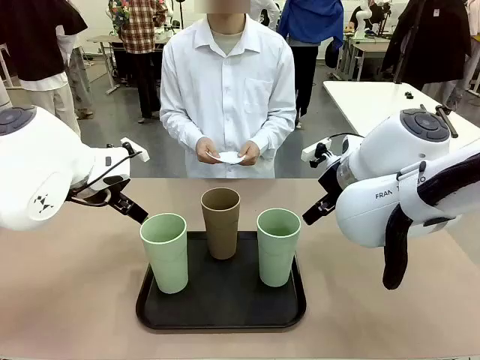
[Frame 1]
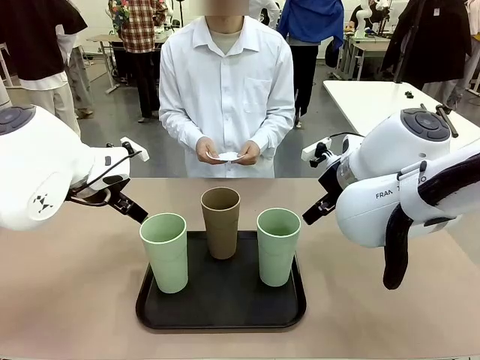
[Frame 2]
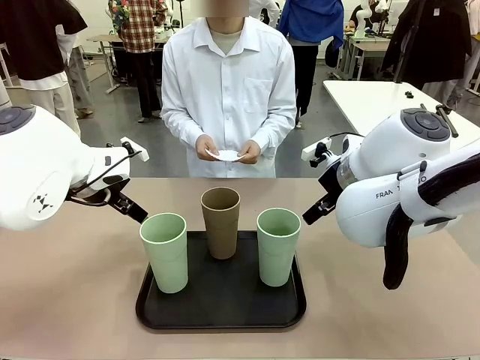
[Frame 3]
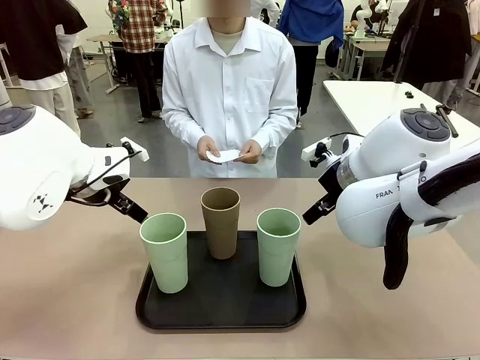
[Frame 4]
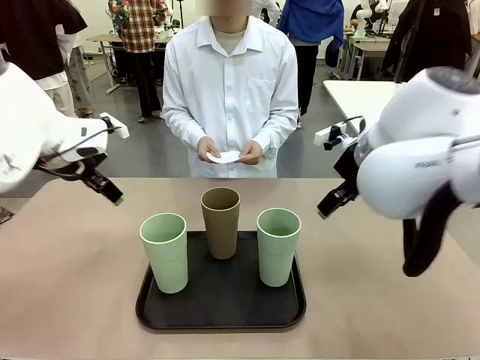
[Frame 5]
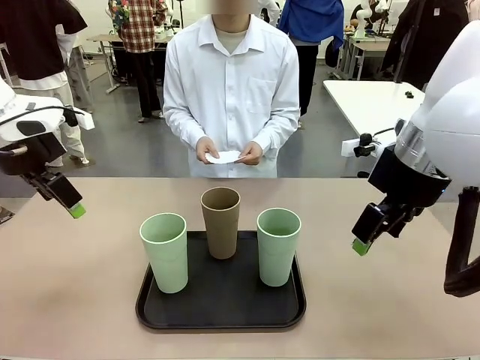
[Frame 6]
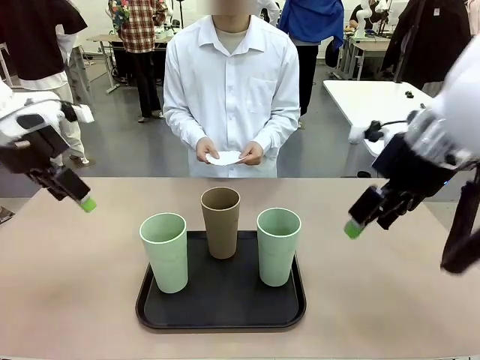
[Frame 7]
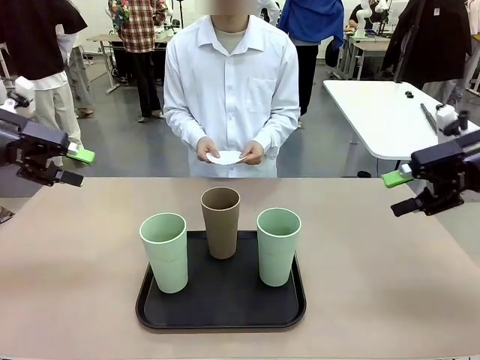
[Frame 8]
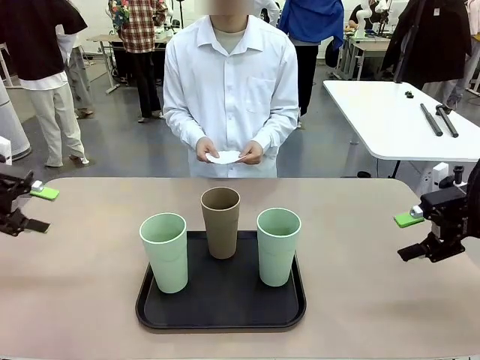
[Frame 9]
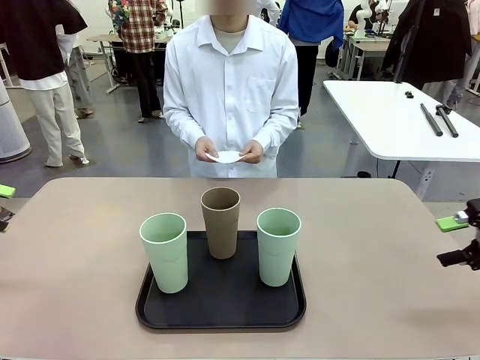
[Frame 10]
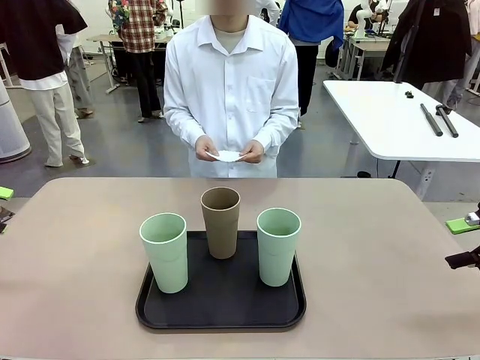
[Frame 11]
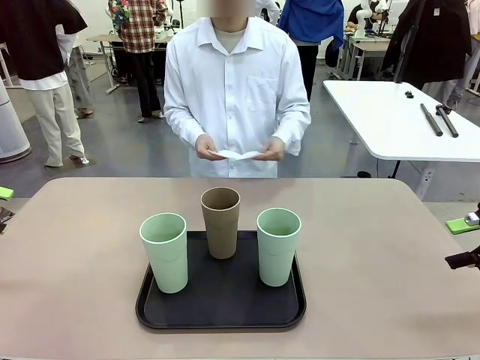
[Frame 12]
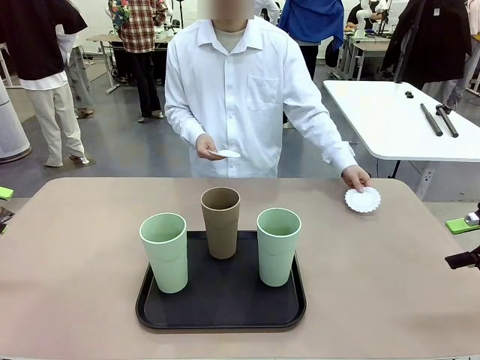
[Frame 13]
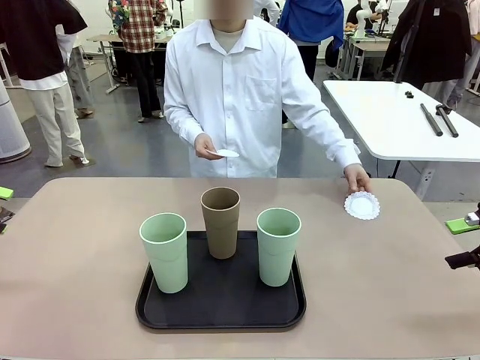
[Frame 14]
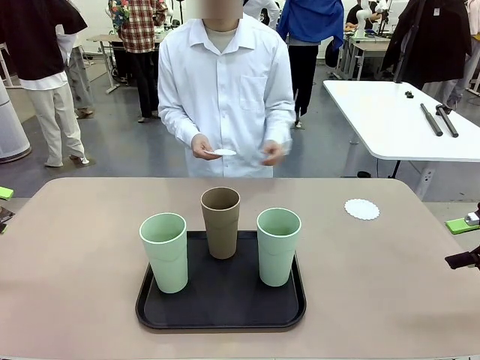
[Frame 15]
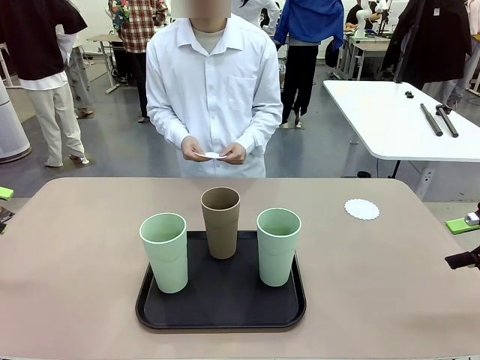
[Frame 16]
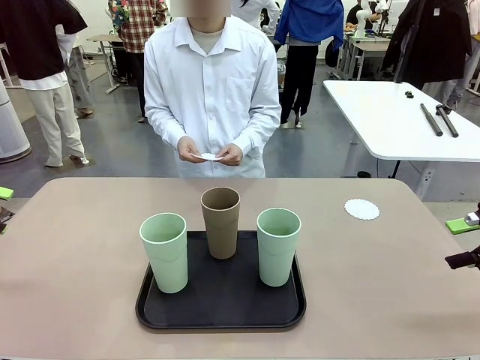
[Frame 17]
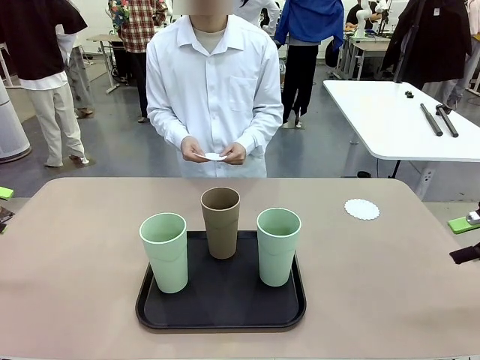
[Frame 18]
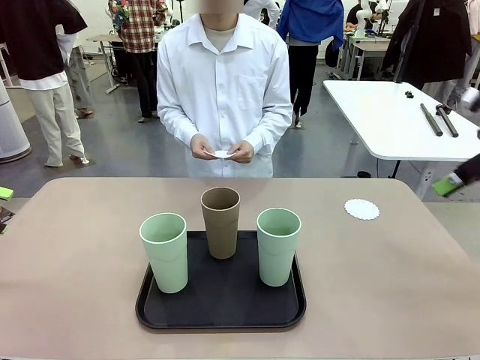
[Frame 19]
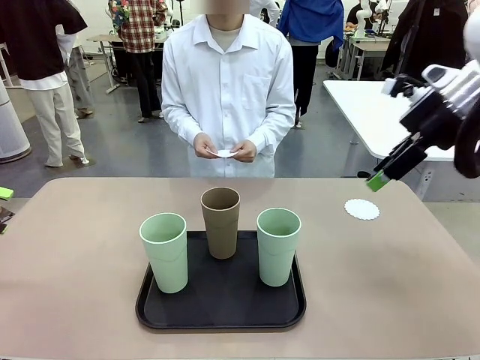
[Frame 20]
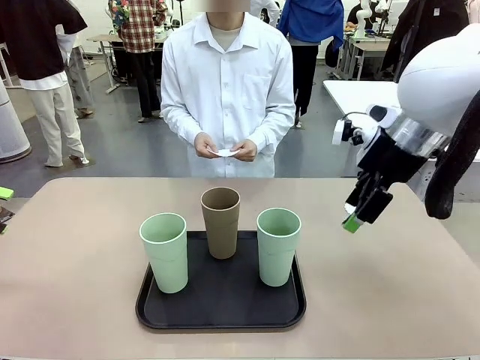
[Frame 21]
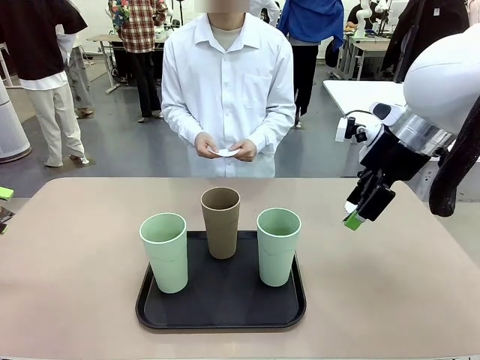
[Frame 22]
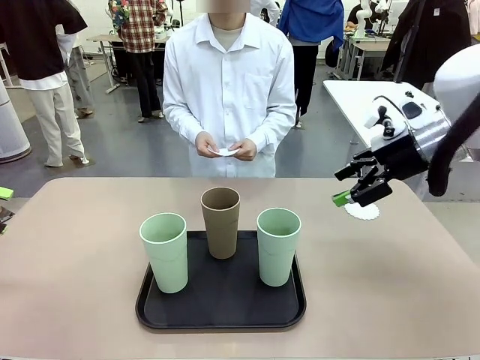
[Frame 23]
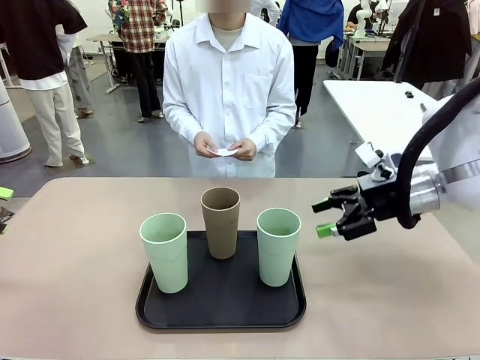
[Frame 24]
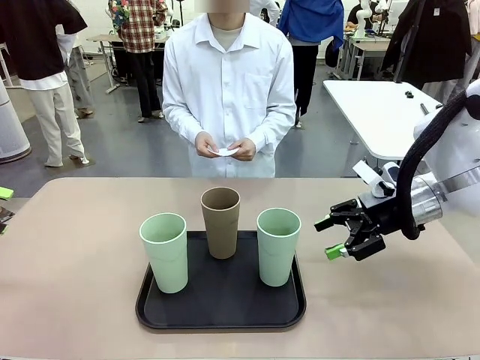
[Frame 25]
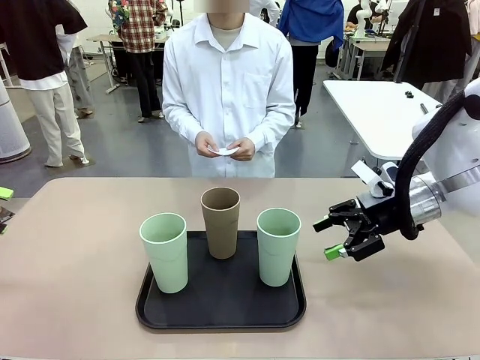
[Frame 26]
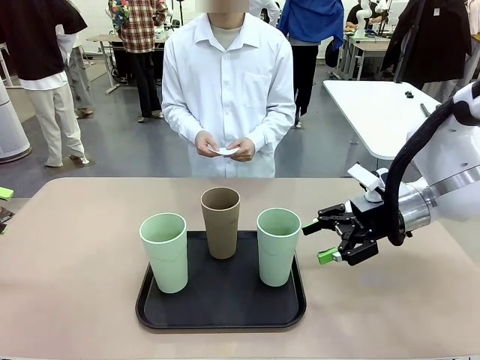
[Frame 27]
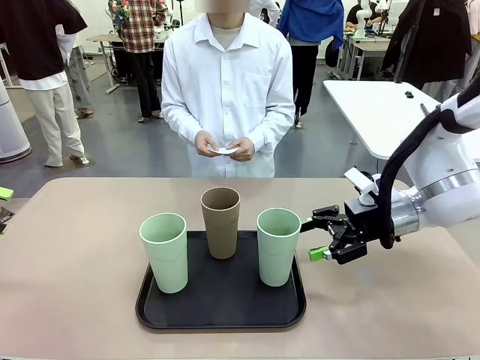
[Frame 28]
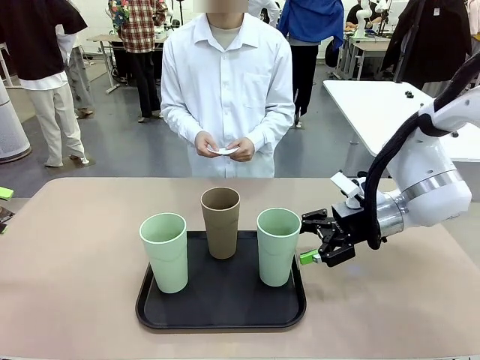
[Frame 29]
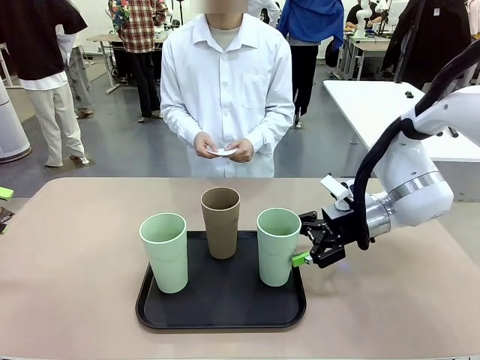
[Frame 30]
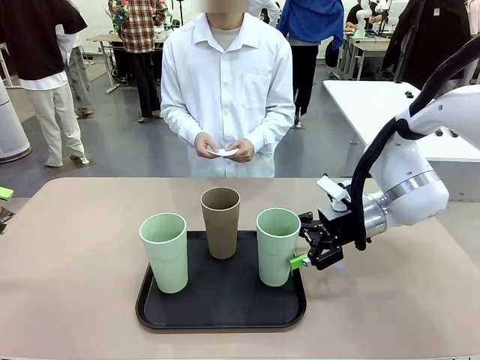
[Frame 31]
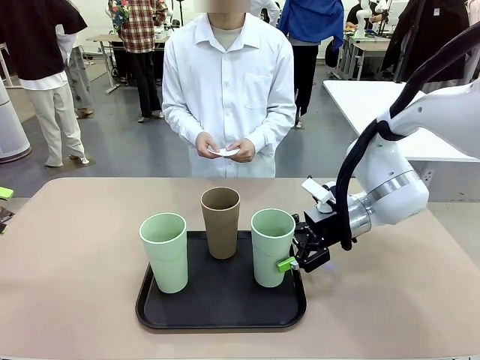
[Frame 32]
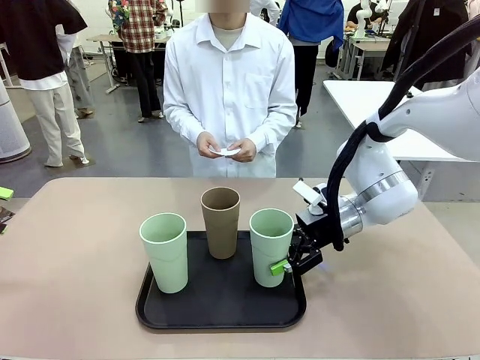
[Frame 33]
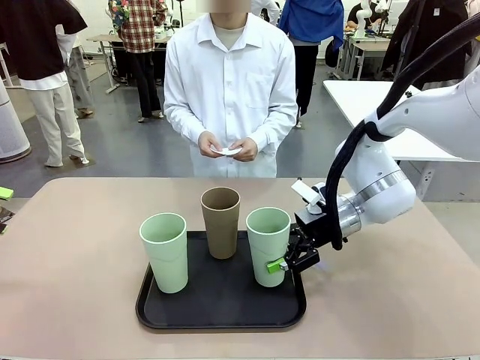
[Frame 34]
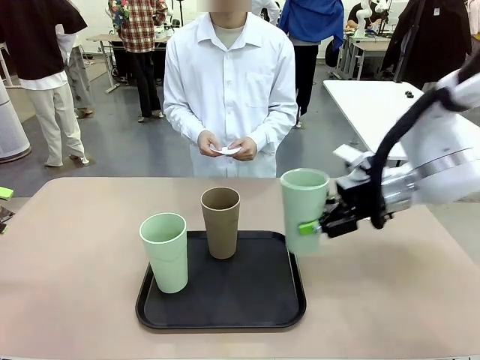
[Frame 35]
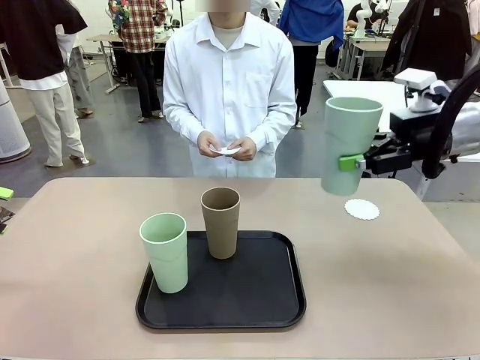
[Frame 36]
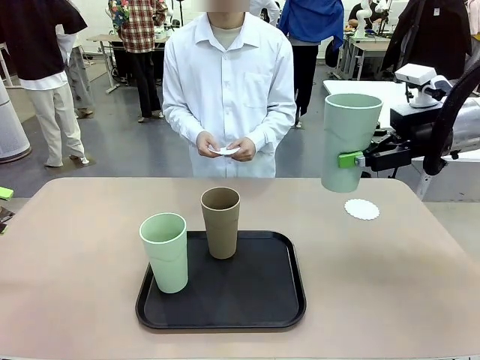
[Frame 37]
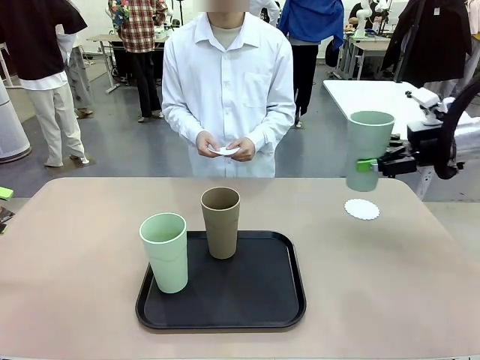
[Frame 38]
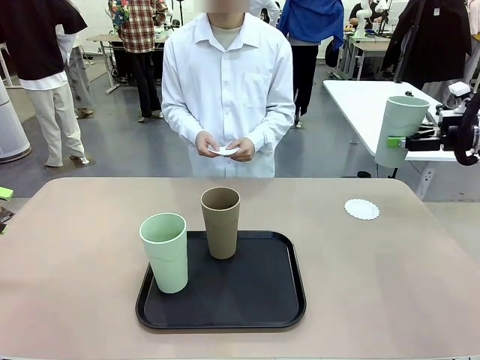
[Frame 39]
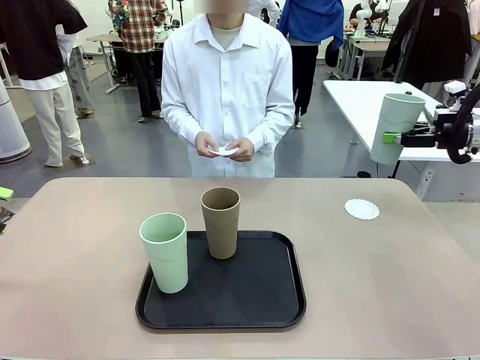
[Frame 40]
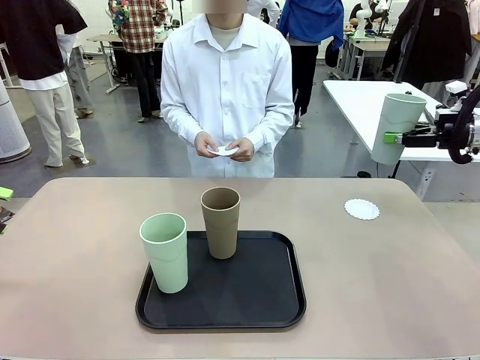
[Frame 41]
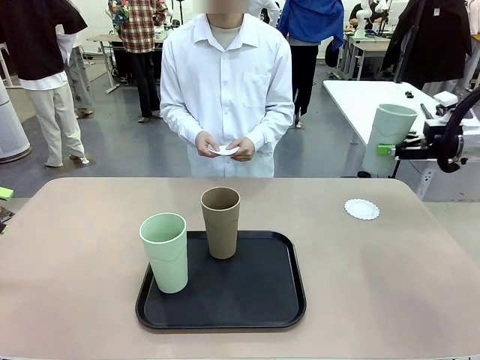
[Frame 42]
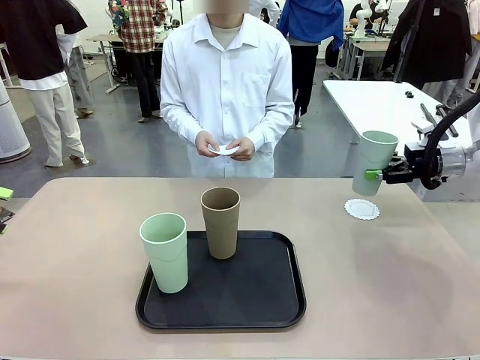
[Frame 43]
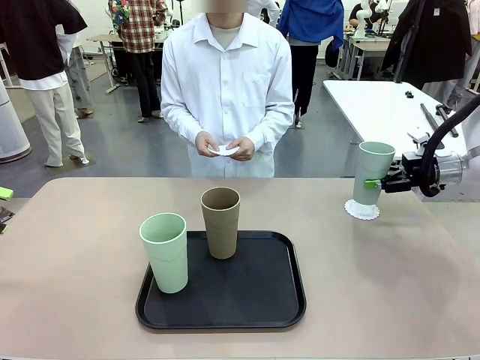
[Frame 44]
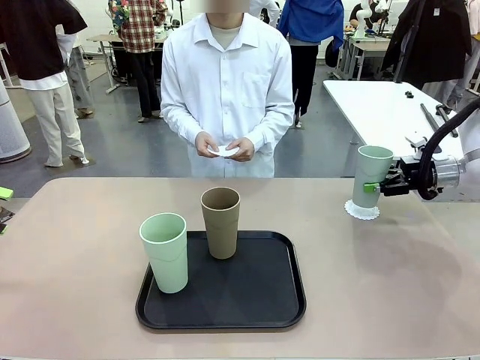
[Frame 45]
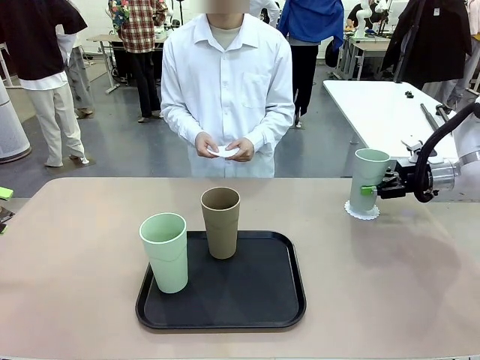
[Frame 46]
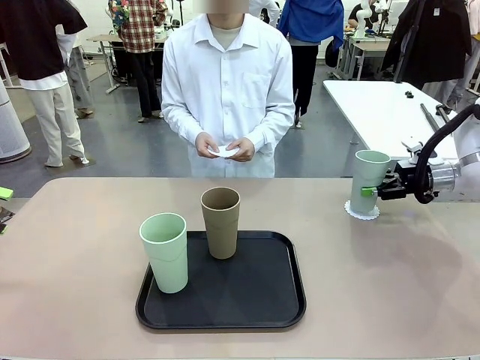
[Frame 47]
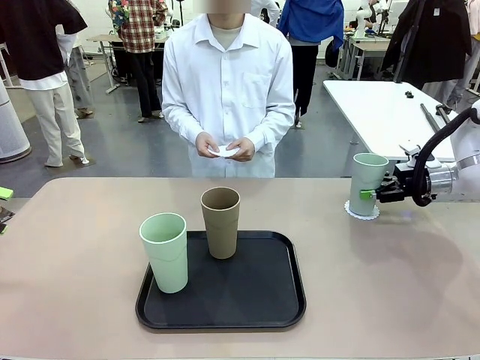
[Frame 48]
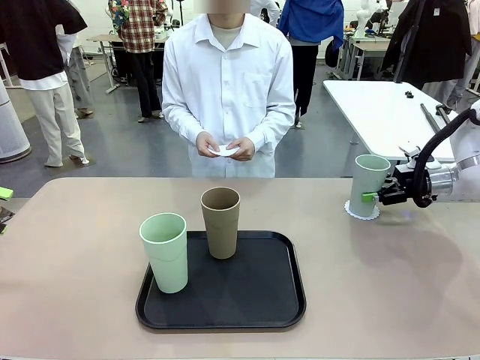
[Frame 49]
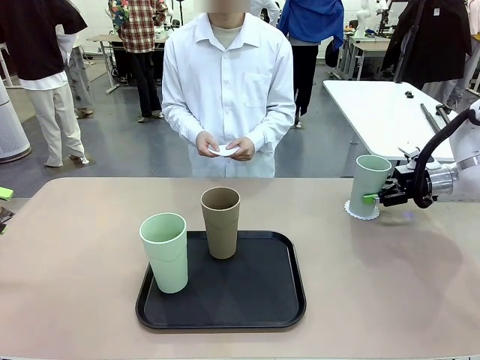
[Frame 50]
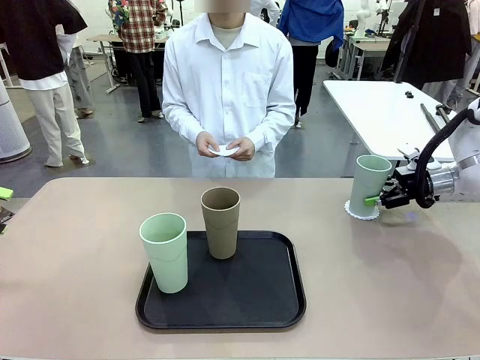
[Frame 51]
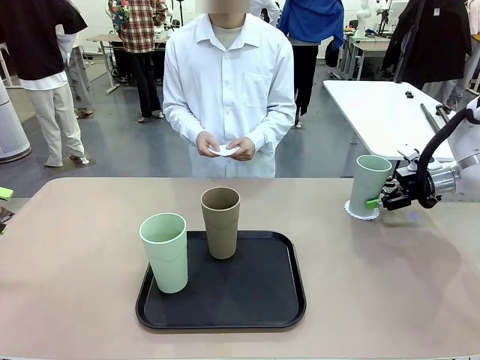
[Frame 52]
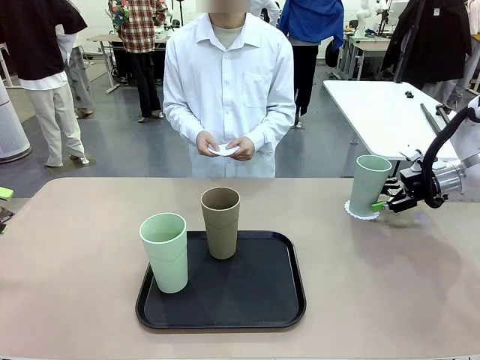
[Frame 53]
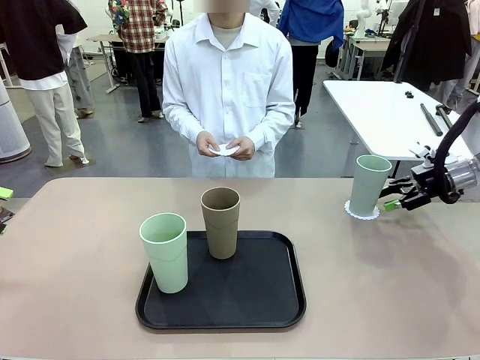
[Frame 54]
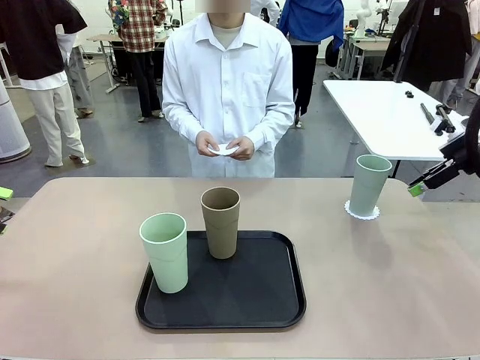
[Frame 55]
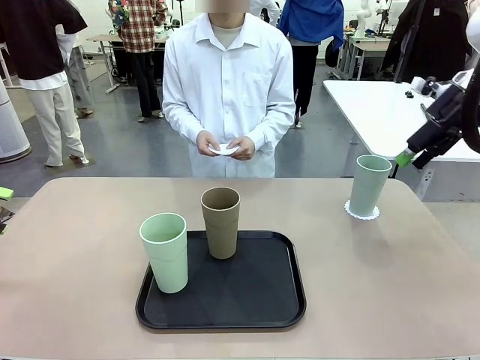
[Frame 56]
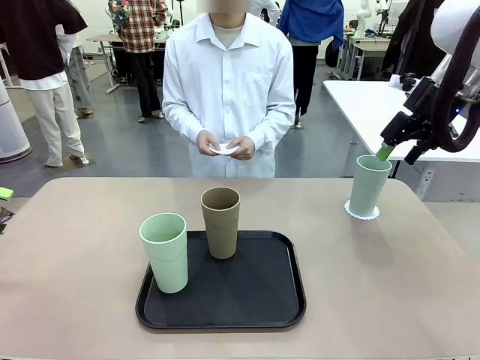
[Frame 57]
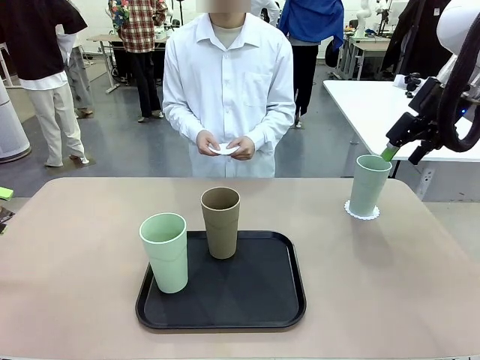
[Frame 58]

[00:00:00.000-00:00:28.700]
Task: Place coasters on the table and set cups on them.
Robot: Pick up one Reusable plastic cup and place it on a coaster set by the human.
Person: Place one coaster in any one of the three lower areas of the robot table (left, center, or right). Place one coaster in one of the two areas excluding the previously selected area.
